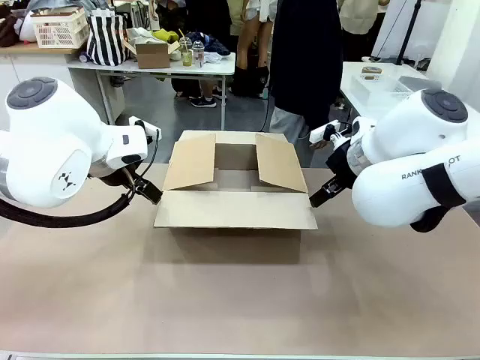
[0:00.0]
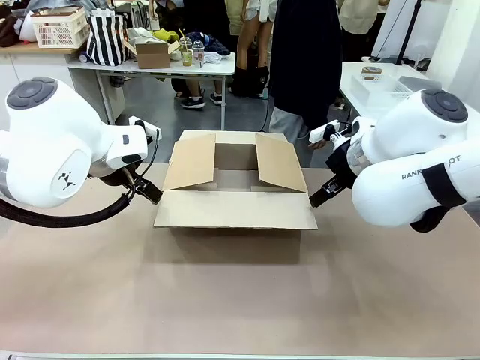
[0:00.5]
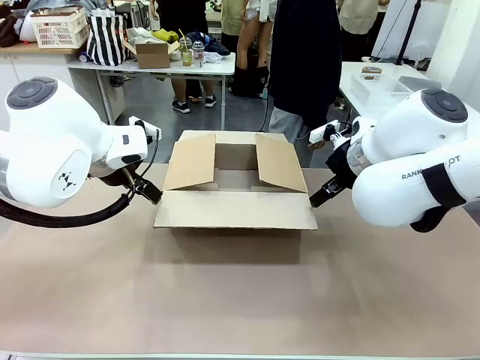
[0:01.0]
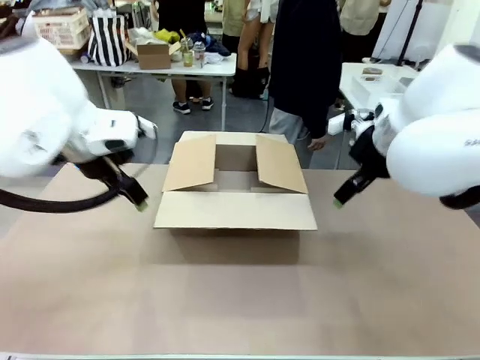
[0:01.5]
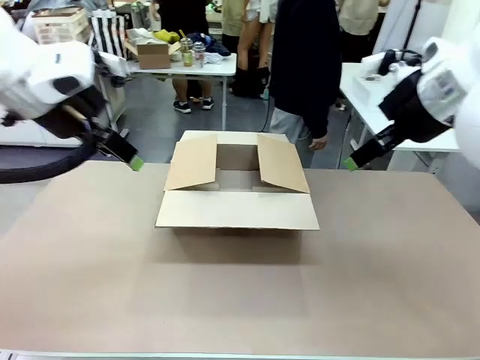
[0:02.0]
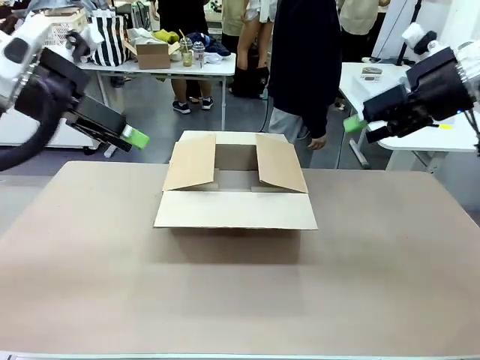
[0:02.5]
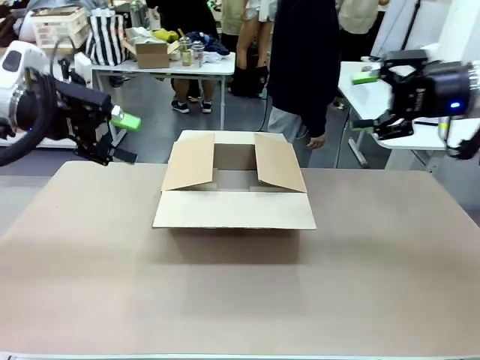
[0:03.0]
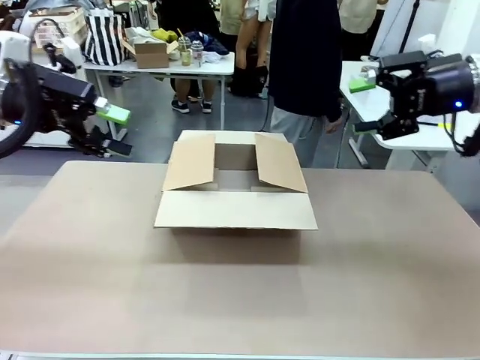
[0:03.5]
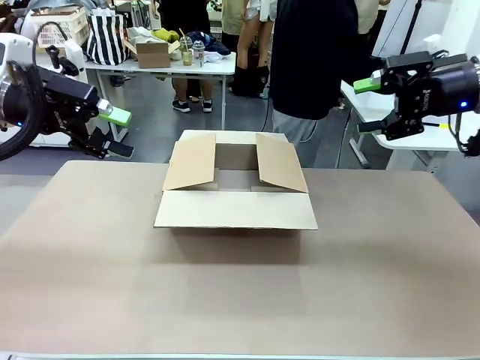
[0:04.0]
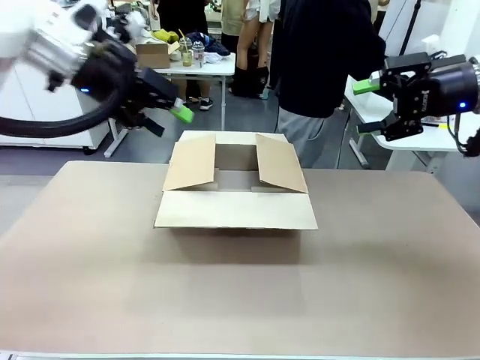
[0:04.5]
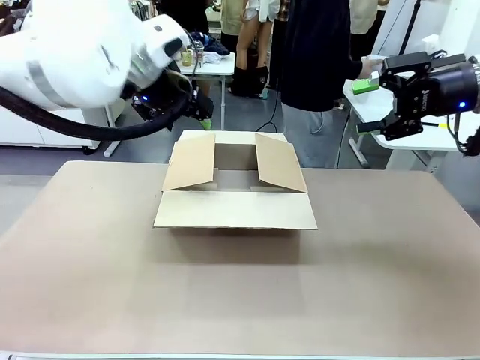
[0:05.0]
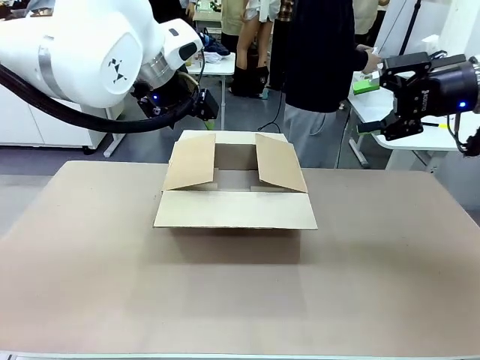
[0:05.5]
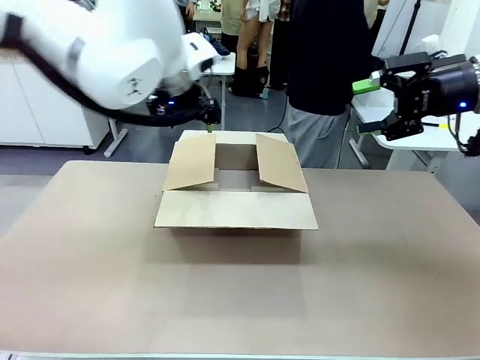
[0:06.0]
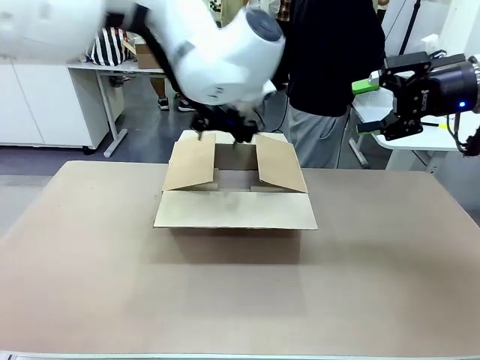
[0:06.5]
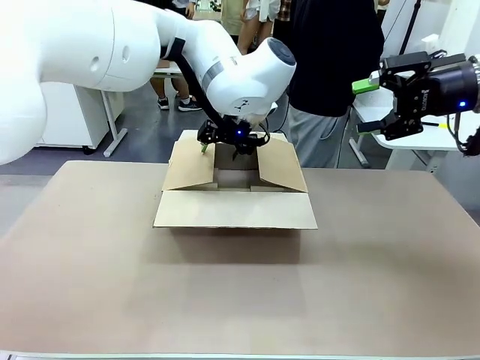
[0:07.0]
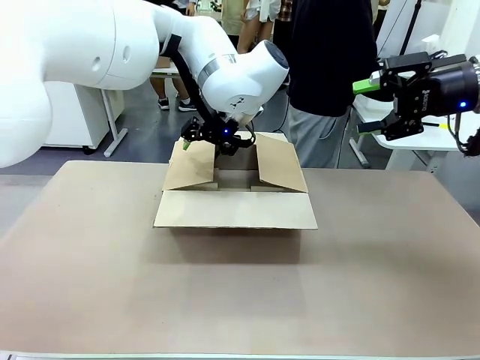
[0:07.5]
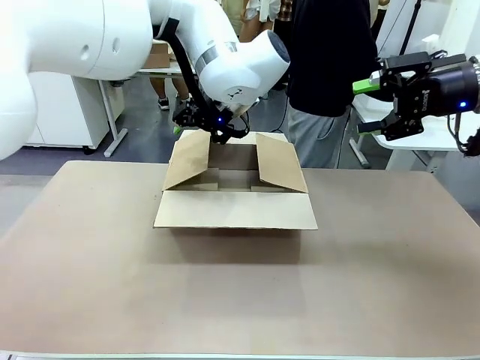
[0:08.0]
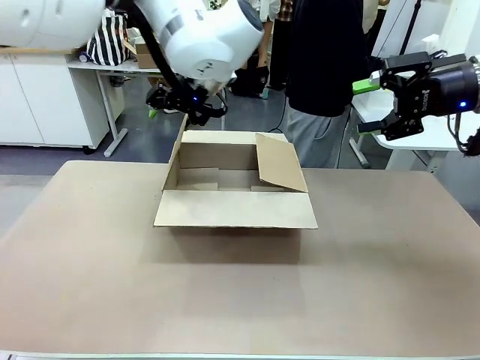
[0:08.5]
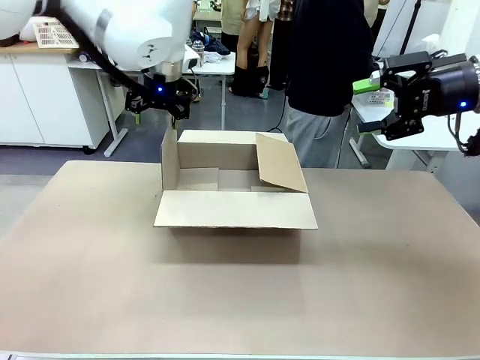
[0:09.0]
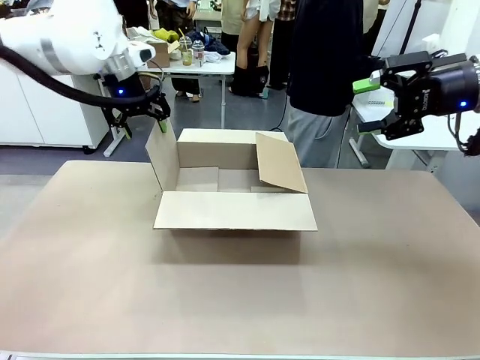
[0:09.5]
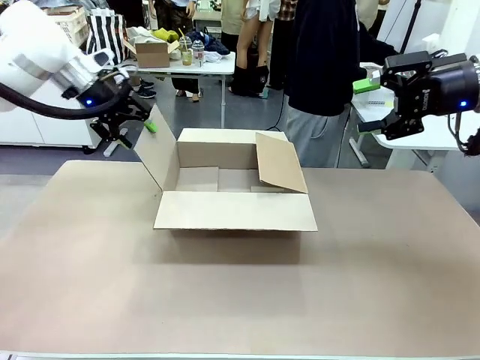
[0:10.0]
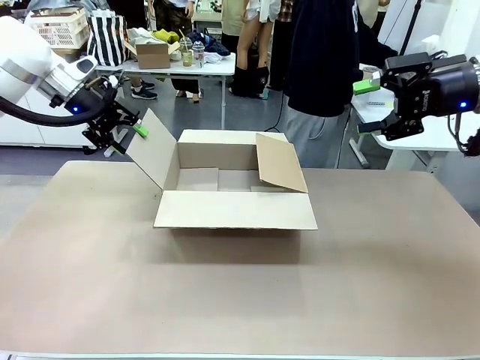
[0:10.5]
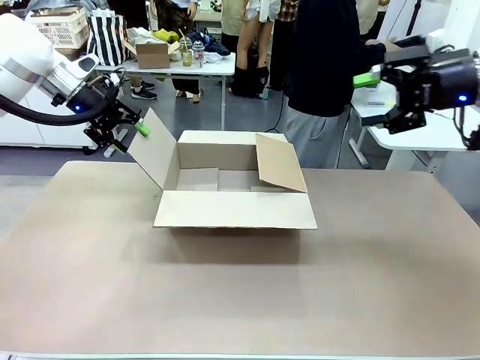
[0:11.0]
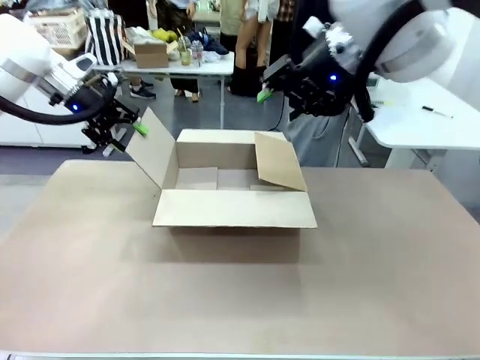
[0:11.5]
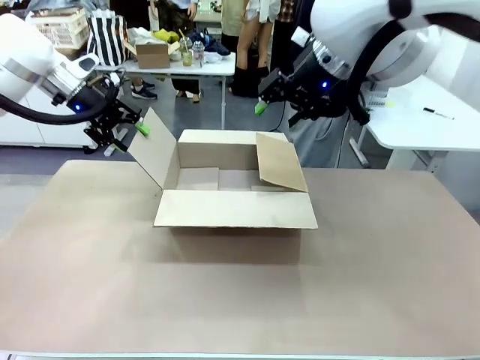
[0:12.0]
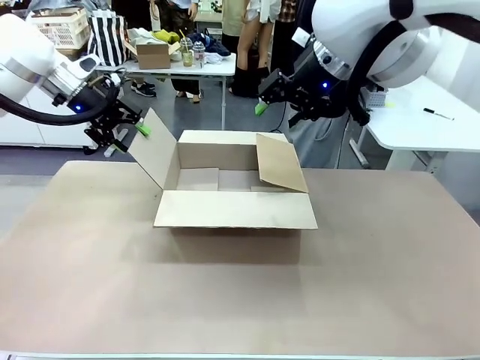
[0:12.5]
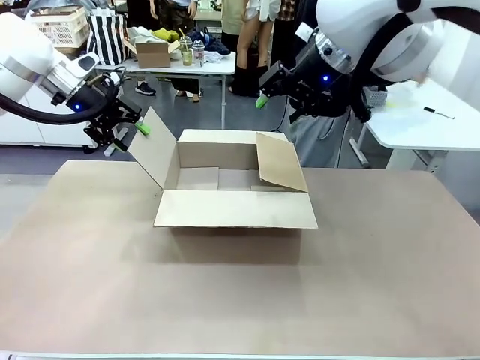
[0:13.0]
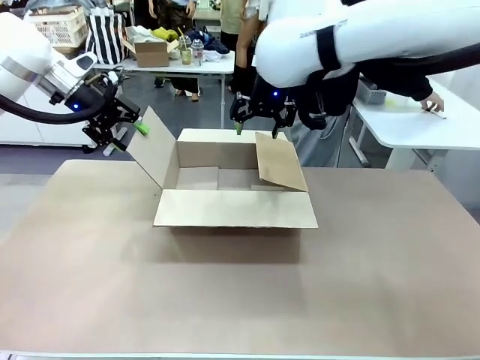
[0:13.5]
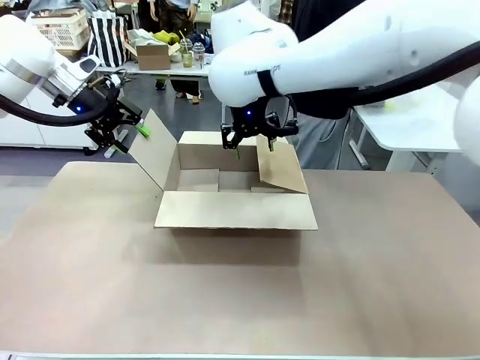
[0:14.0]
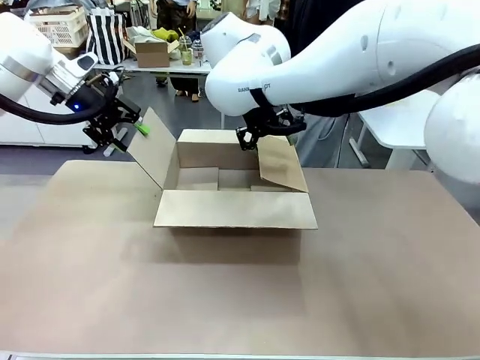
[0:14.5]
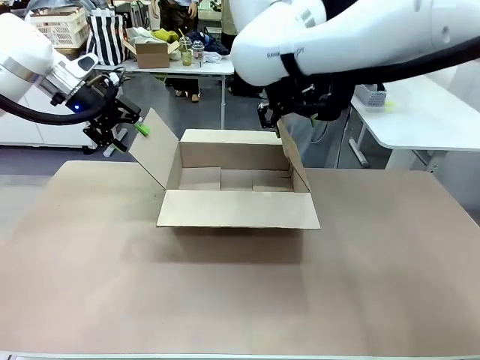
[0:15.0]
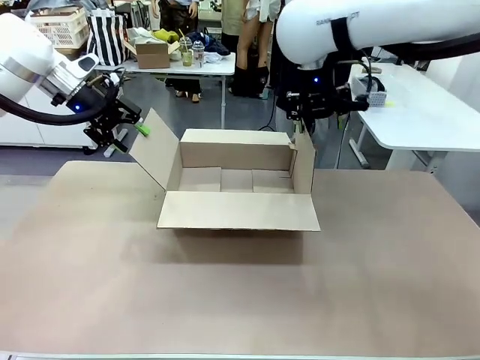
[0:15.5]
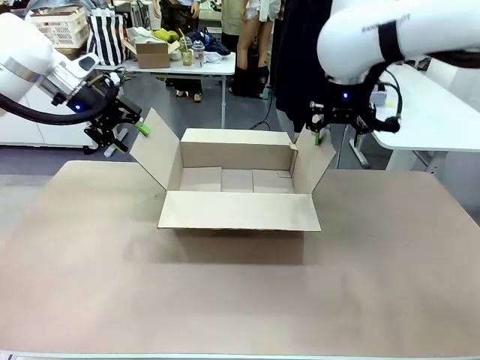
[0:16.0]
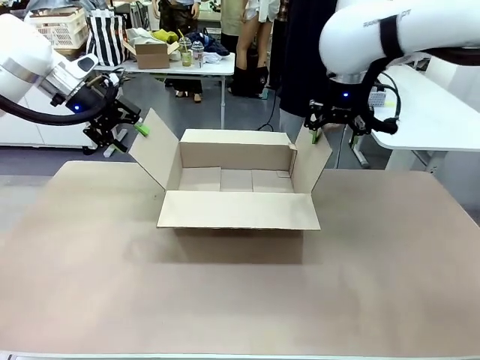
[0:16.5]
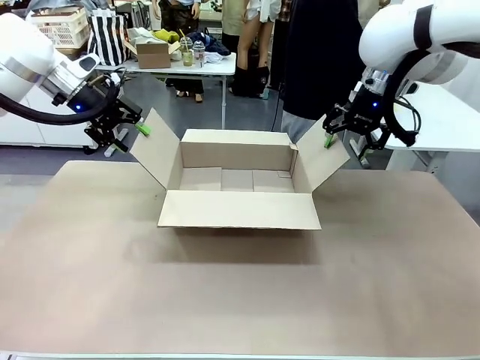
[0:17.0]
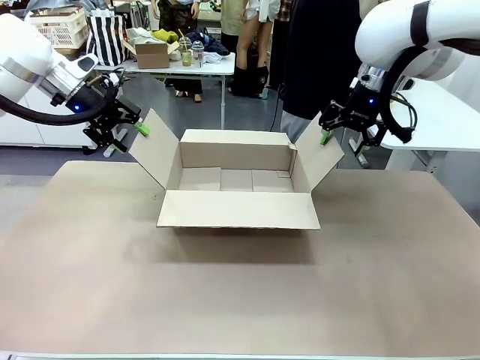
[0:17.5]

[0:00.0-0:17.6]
Task: Pack the gift set into the box.
Robot: Place both hands on the side flaps of the Package Box and spread them outward.
Person: The human places all items except the paper tape into the organizing basket.

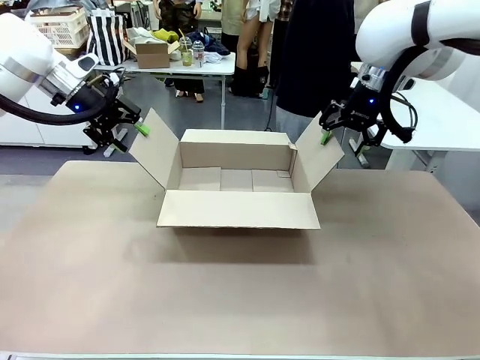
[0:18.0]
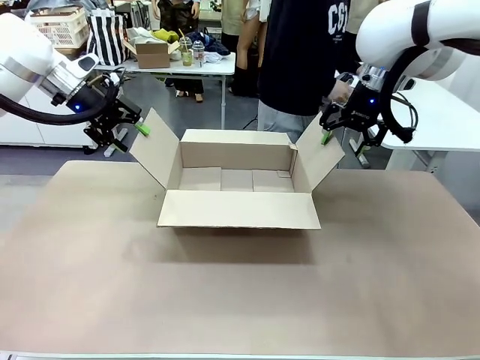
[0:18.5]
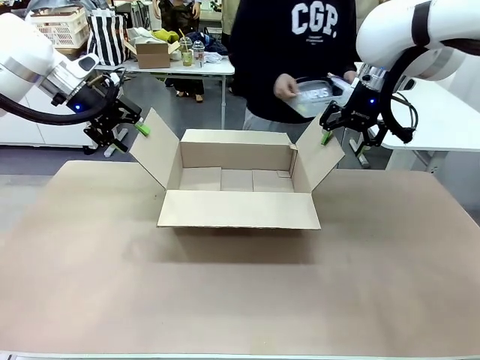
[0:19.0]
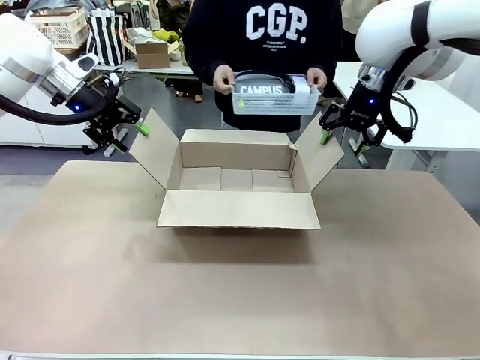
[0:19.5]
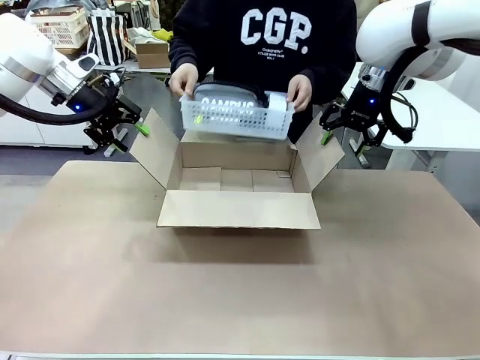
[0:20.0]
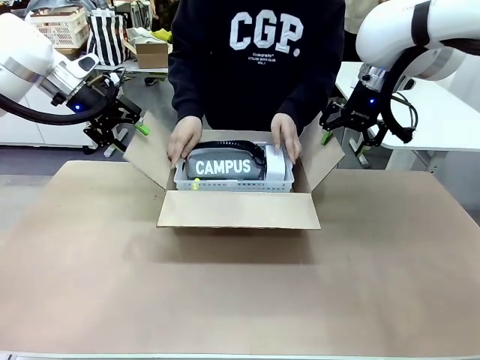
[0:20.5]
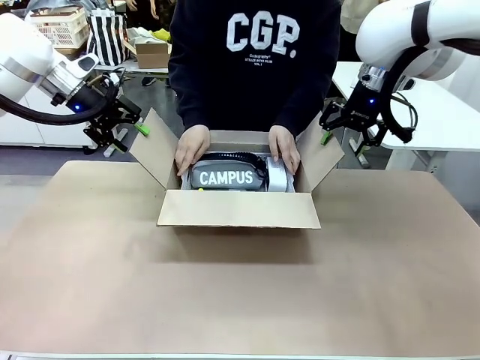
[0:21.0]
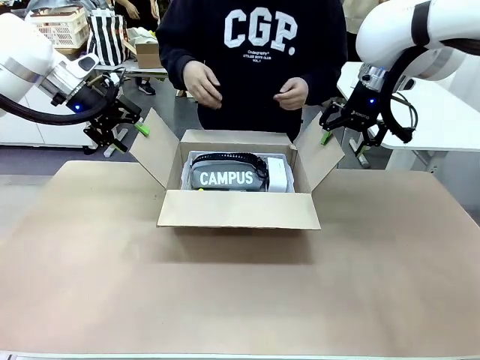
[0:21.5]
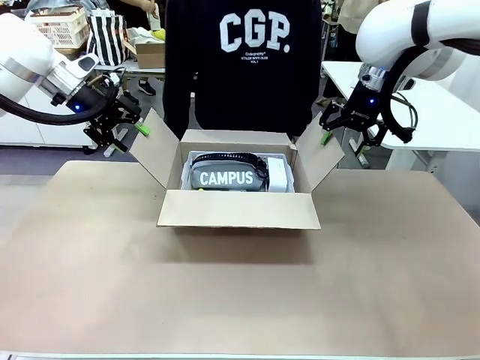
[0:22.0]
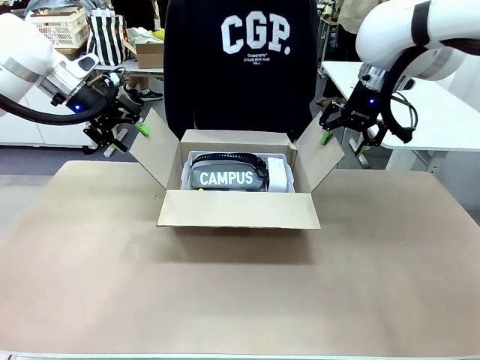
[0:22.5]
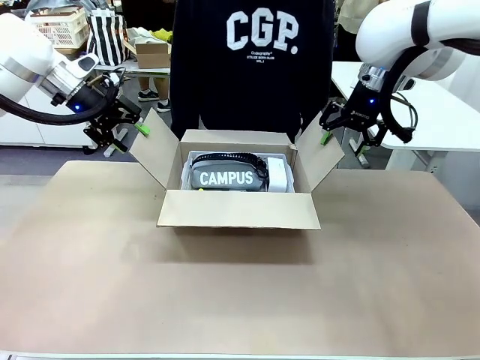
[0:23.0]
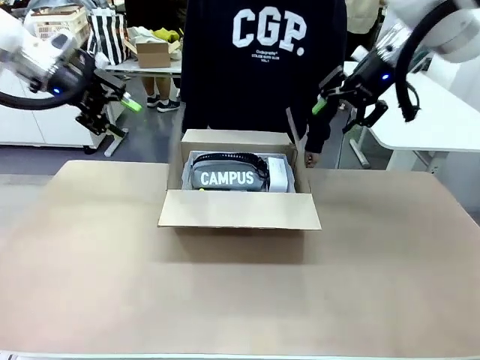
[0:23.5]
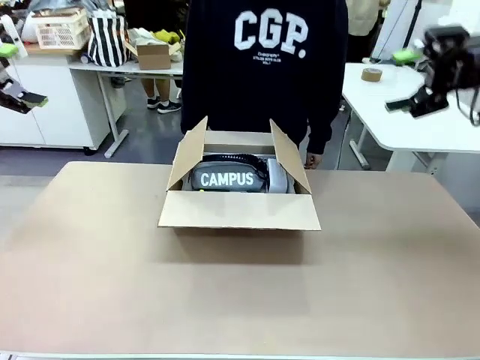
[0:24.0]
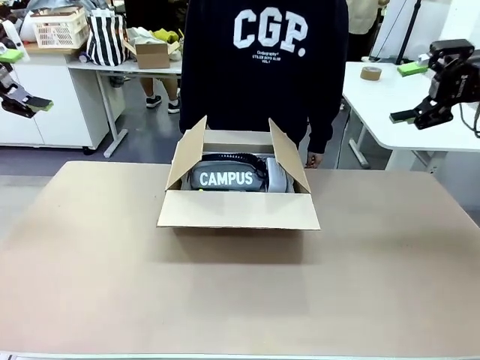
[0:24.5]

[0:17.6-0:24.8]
Robot: Lift both hands away from the flaps of the Package Box.
Person: The human picks up the organizing basket and places the organizing basket into the package box on the robot table.
